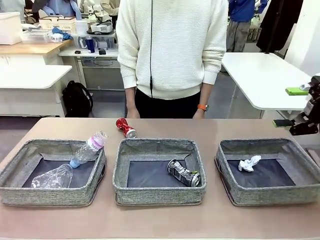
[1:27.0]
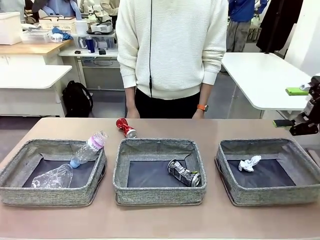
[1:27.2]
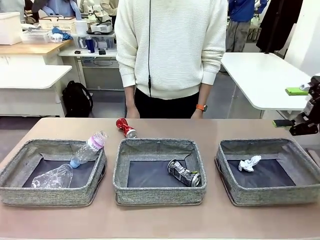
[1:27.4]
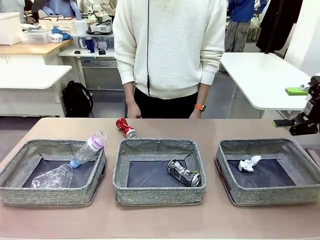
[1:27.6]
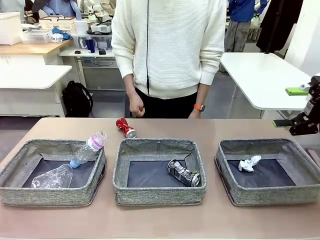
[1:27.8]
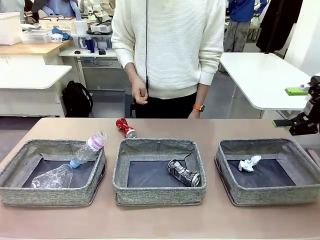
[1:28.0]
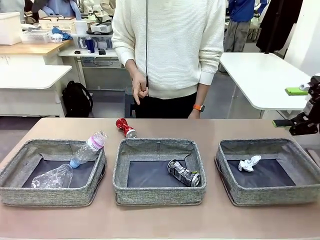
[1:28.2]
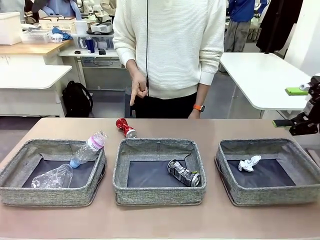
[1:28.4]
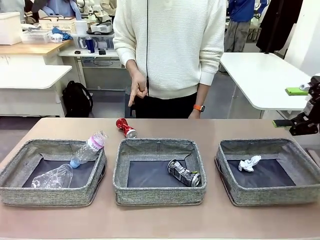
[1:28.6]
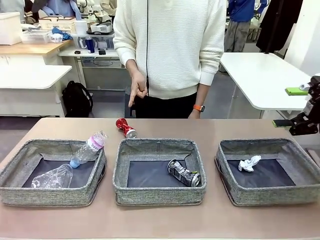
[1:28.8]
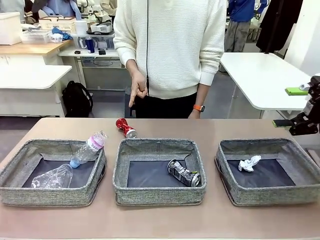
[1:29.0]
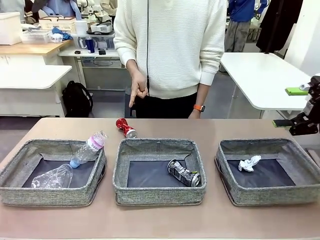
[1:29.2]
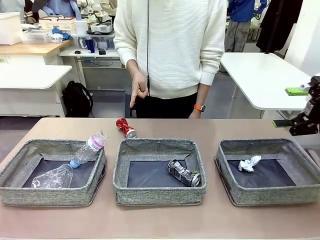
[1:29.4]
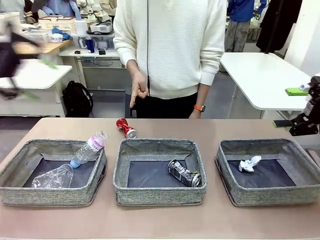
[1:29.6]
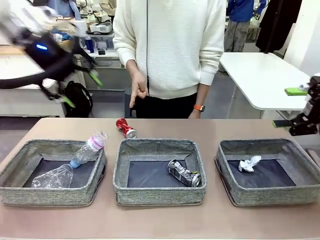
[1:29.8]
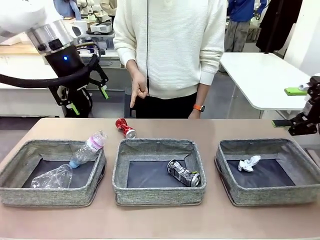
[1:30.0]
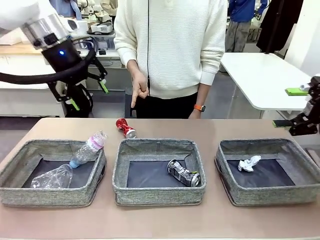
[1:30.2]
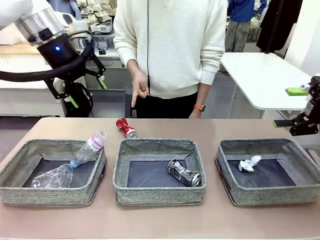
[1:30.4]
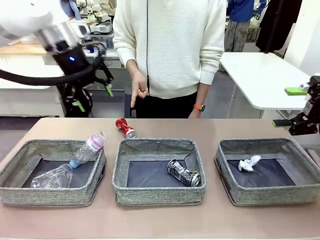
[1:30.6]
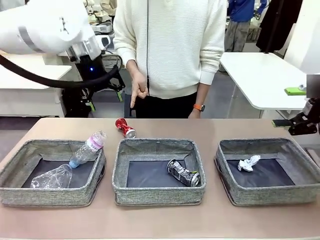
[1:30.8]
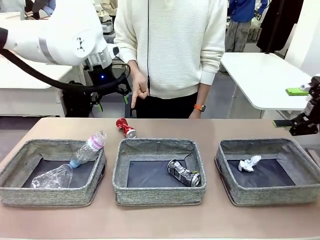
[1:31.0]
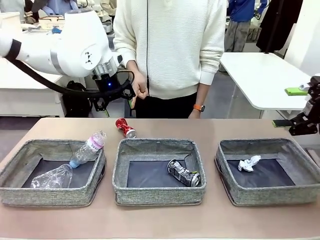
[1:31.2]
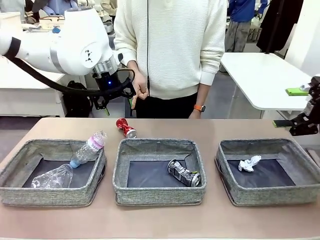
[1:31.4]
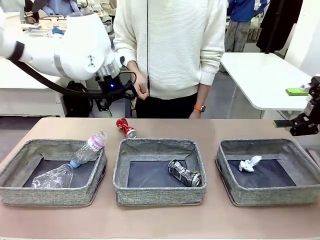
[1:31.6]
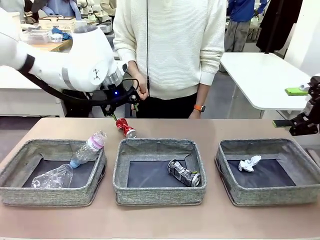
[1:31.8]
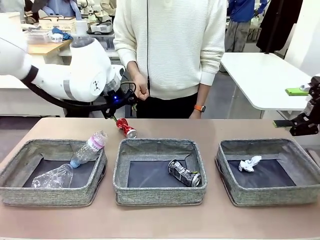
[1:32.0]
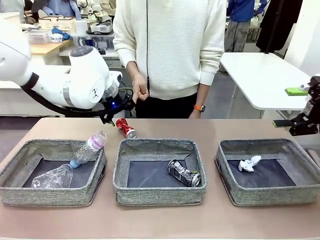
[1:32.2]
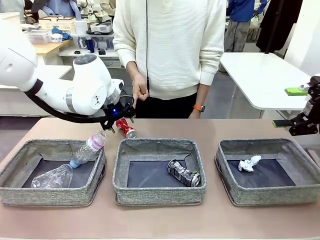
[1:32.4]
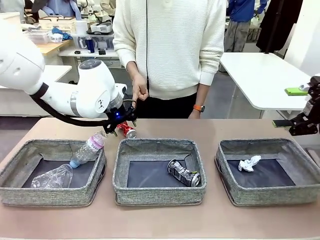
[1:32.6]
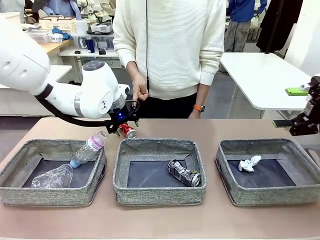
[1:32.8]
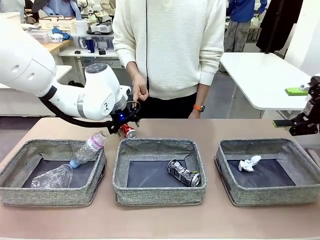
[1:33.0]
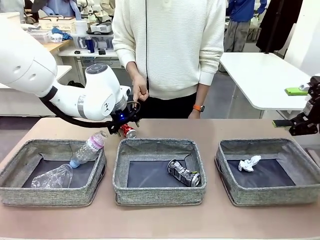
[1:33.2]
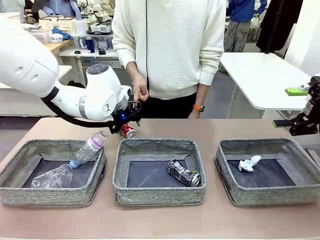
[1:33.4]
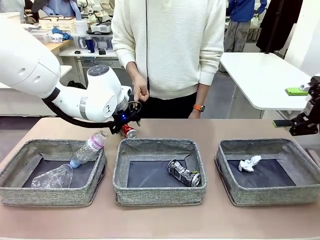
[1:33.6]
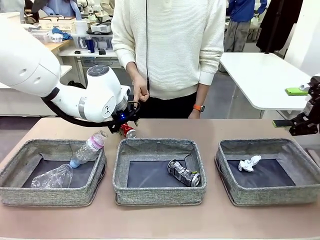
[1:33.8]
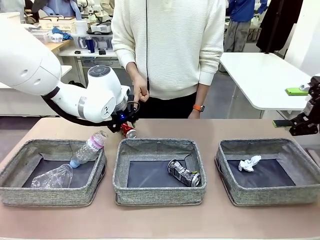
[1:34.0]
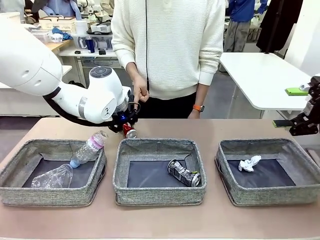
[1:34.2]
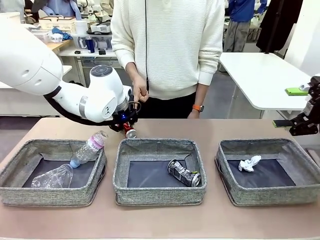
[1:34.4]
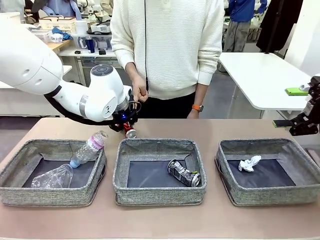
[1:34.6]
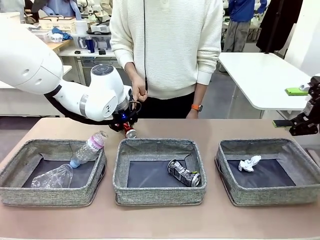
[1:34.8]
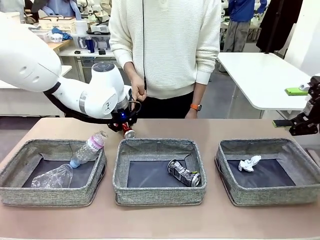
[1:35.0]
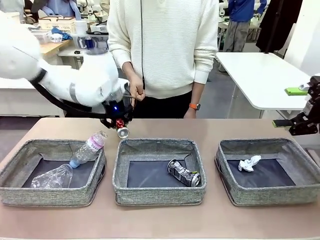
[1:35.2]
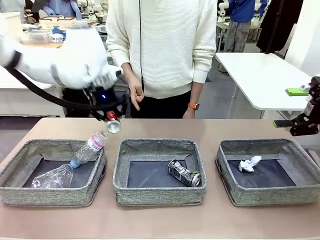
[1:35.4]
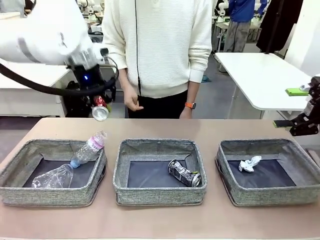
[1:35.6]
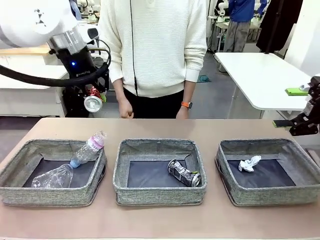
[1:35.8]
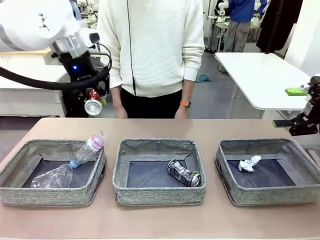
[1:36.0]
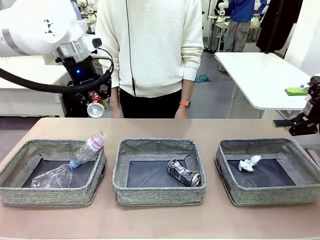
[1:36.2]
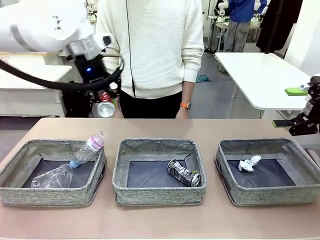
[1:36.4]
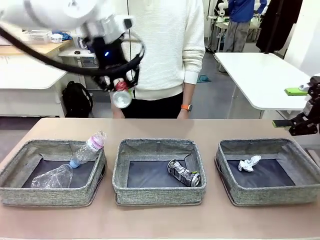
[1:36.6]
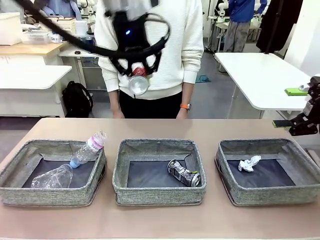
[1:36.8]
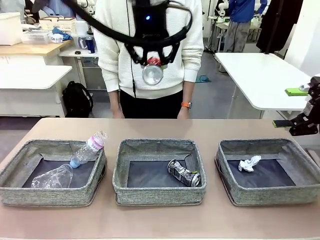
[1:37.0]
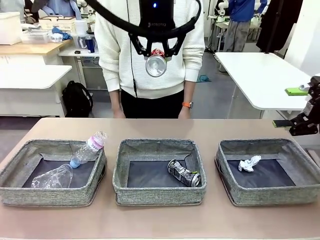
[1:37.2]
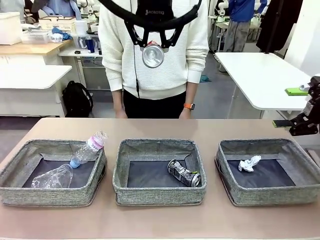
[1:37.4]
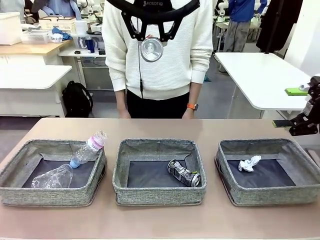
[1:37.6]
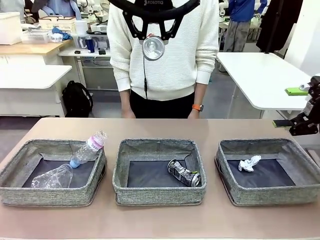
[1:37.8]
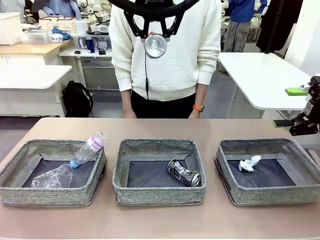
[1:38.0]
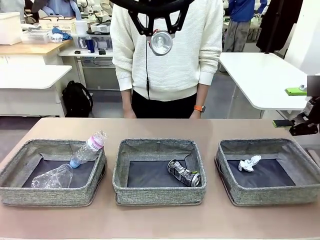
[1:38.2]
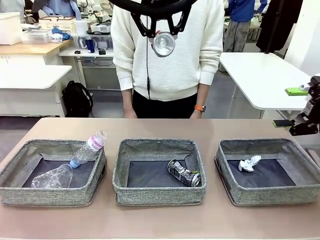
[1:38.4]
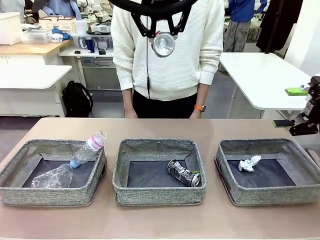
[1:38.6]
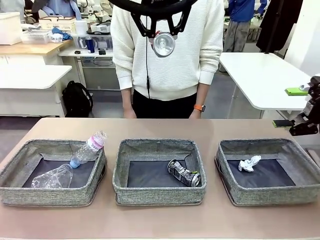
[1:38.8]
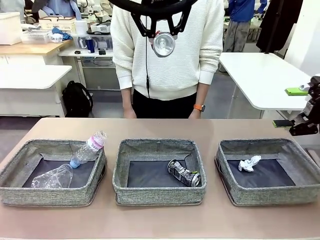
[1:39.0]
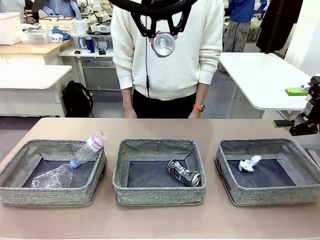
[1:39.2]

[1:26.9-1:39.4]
Task: Sort the waste into the appropriate baskets.
Robot: Pick up the waste item pointed out by the person.
Person: Points to one piece of trash on the table.

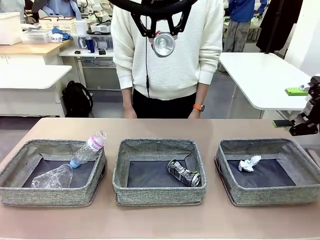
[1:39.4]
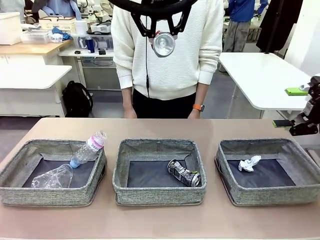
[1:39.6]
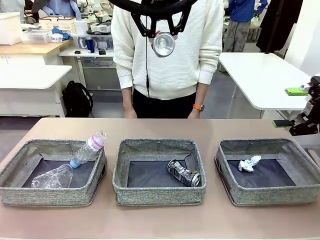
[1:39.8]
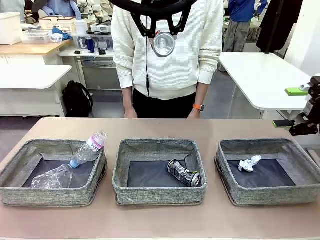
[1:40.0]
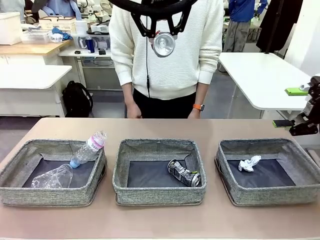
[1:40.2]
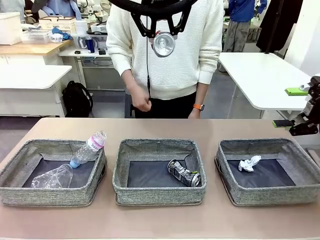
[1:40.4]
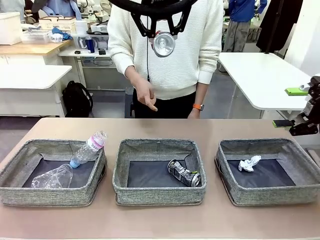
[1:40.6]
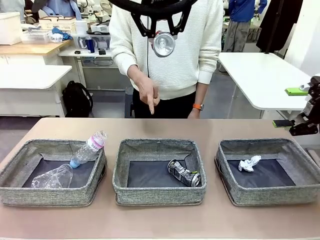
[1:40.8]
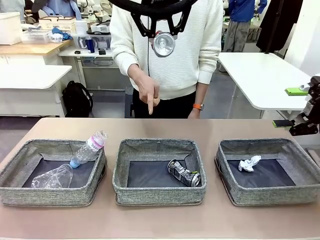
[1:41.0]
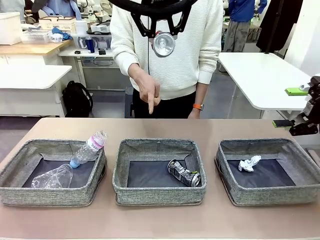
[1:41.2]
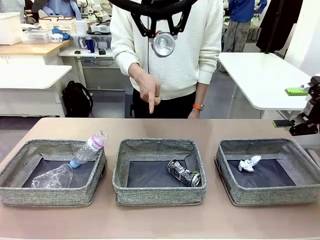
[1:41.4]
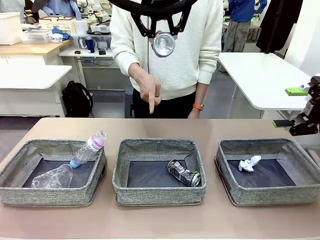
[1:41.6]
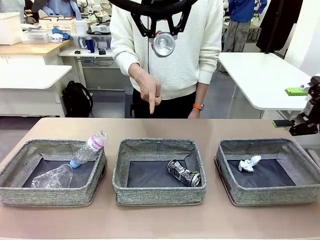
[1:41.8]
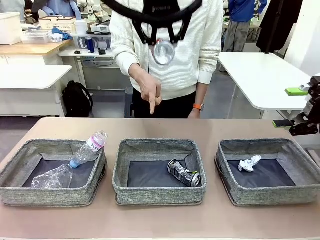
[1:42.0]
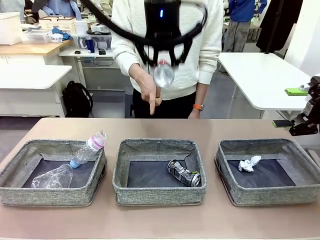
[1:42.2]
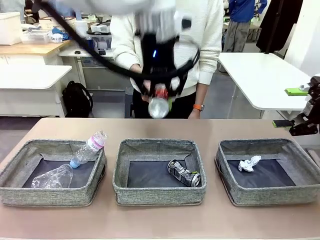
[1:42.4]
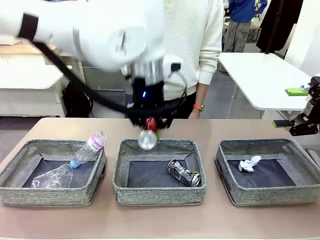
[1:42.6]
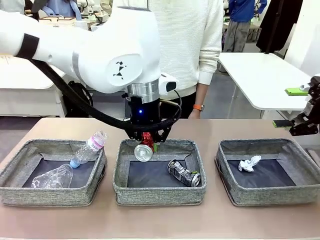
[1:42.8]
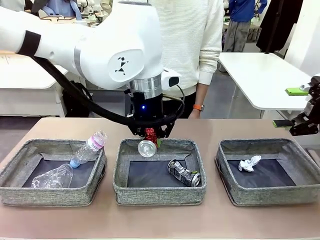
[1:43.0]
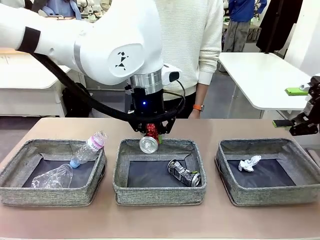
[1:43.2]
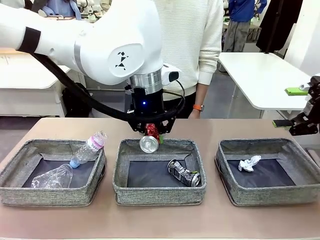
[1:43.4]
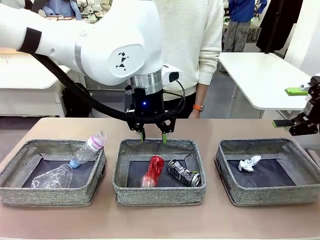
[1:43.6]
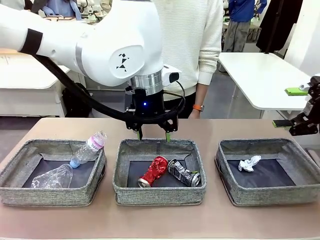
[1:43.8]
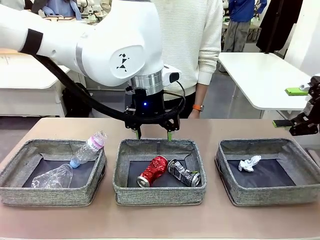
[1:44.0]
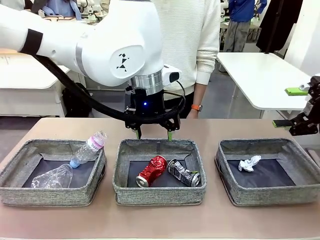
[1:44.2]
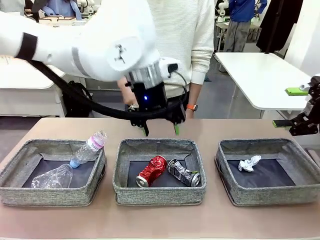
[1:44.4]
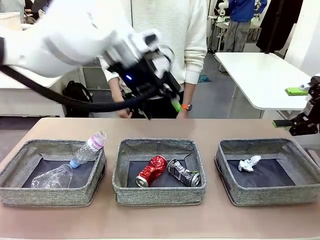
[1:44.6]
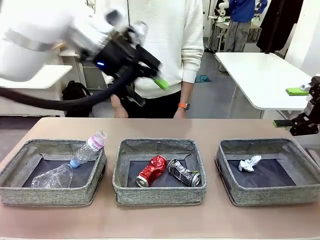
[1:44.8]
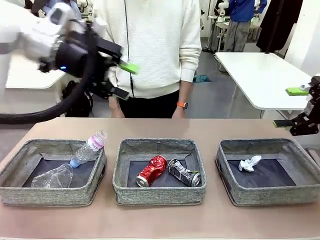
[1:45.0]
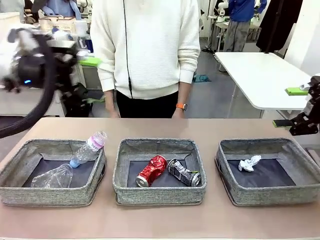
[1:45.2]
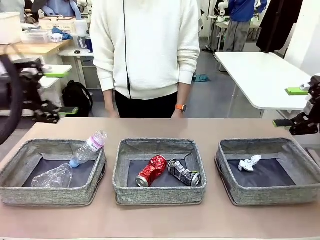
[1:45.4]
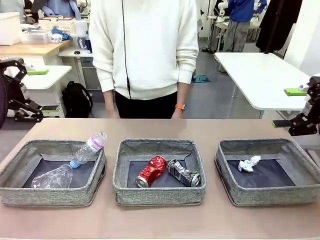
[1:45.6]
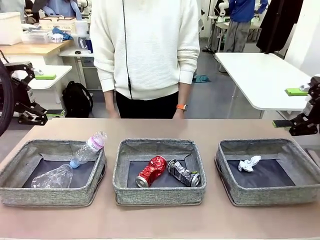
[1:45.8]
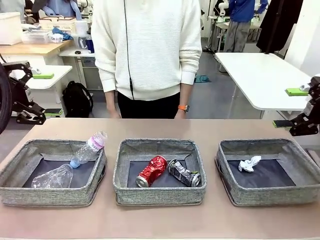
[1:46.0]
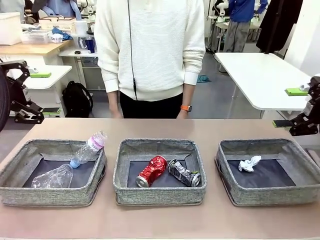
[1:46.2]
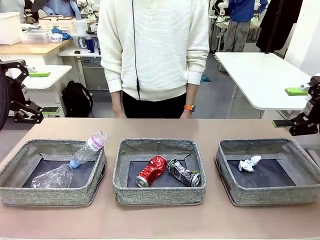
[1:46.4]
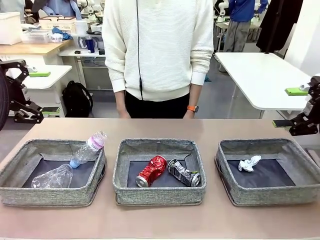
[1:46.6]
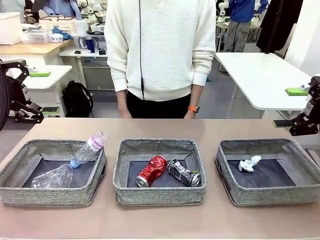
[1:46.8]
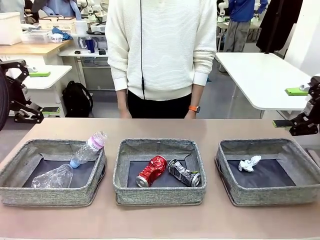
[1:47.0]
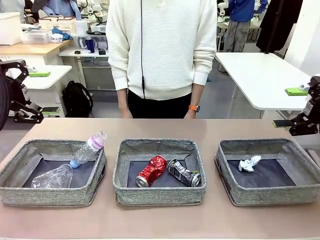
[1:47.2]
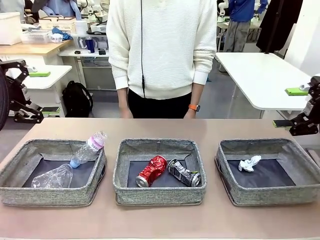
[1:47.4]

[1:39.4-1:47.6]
Robot: Place the picked waste into the Fabric basket indicated by the person.
Person: Instructs the robot to place the picked-up trash into the appropriate organizing basket.
